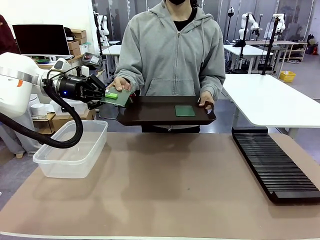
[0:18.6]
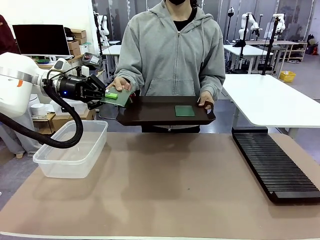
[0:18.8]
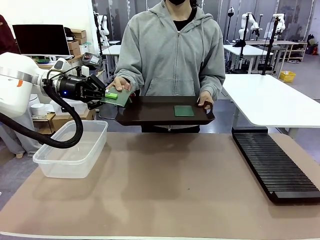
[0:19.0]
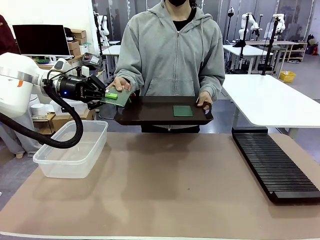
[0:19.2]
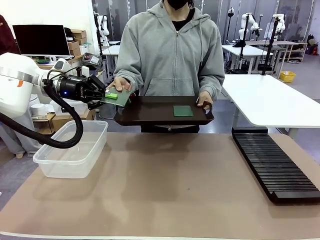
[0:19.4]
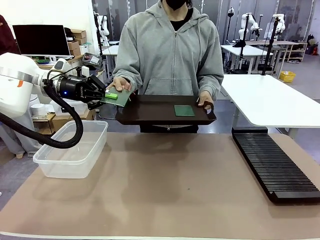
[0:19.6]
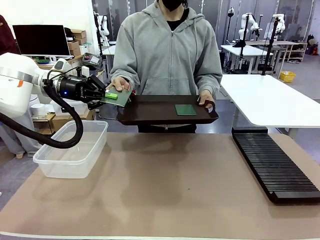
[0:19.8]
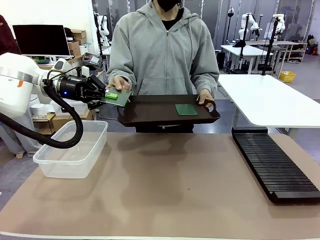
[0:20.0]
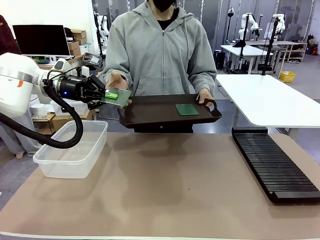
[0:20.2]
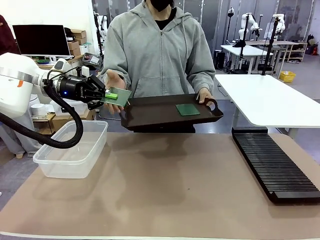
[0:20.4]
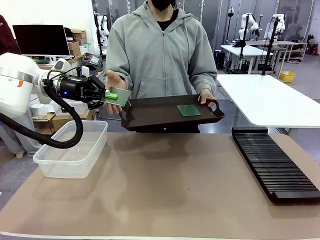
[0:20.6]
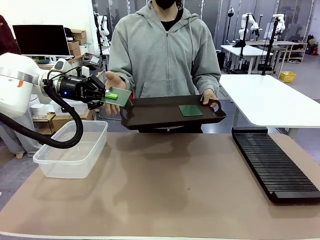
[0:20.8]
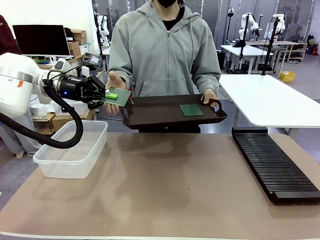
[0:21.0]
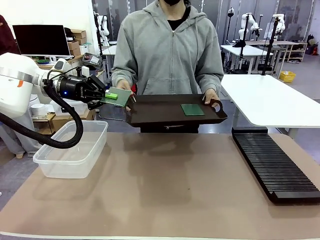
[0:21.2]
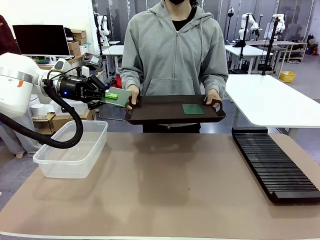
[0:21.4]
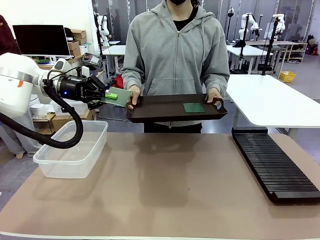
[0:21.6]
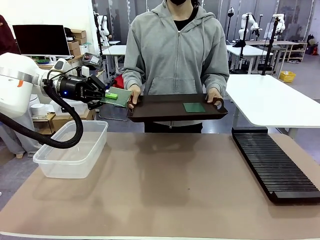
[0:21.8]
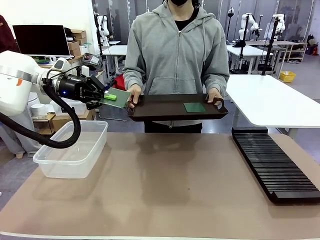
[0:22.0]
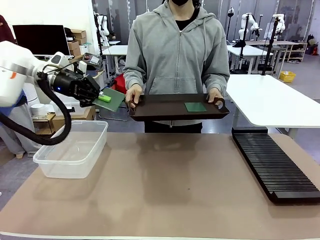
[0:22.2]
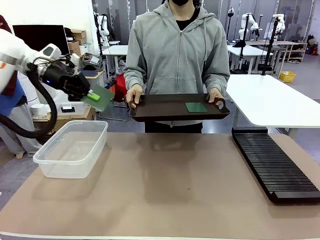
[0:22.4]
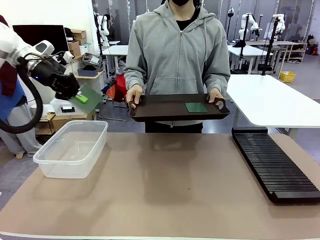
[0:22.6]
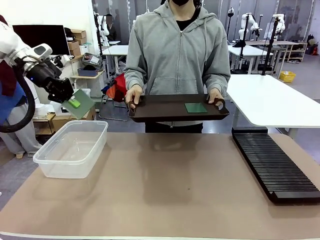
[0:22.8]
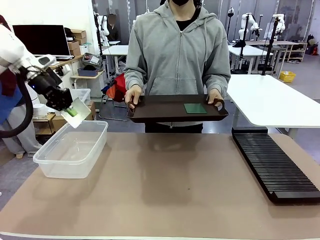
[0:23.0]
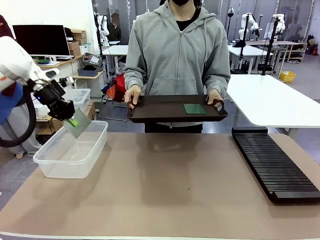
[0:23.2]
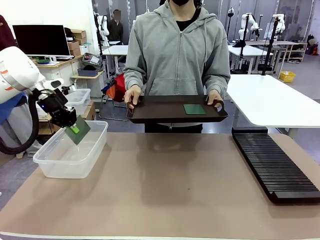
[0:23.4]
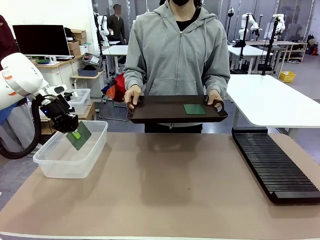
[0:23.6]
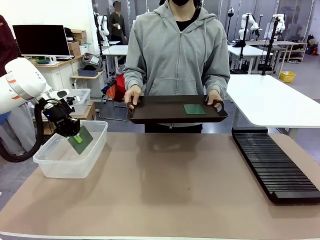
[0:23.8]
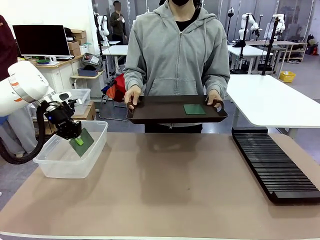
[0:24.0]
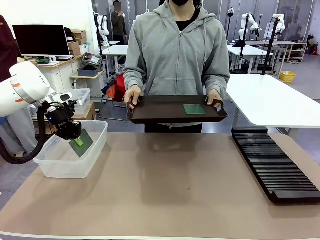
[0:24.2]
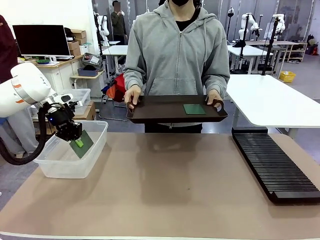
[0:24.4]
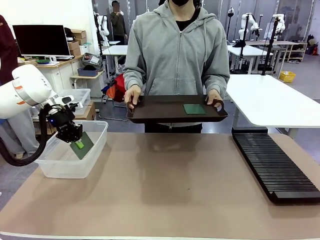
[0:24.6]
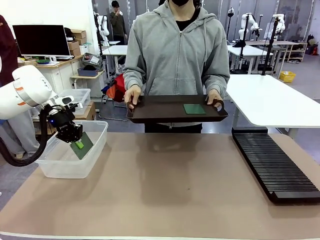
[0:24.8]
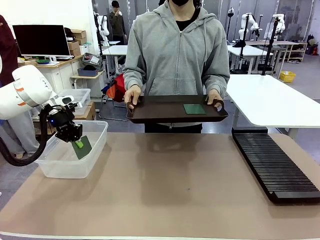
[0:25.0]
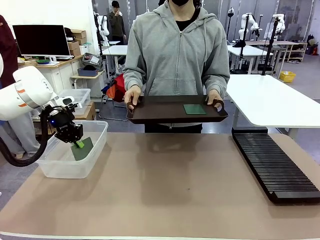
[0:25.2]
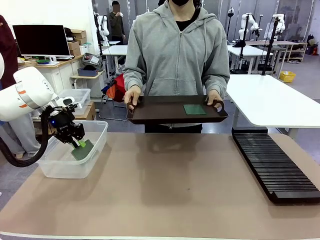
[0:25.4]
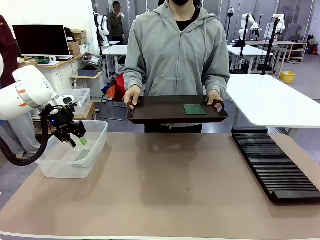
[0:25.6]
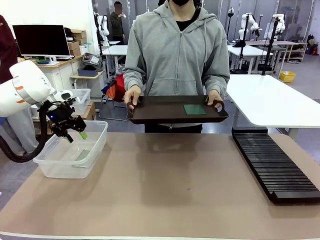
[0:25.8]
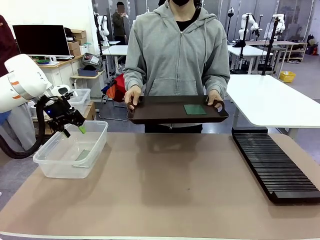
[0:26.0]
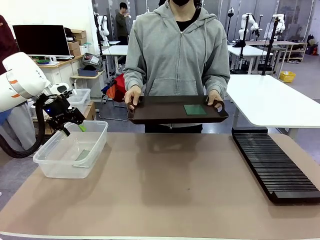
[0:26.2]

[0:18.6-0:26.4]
Task: Sort PCBs into racks and boxes based on the side picked up.
Robot: If the short side of the Blank PCB is picked up, insert it into the PCB Rack ; if the long side is picked up, place it in the Organizing box.

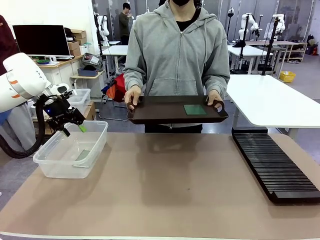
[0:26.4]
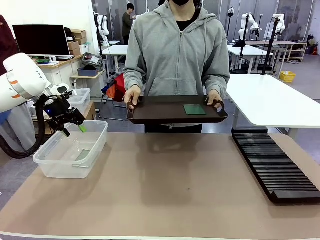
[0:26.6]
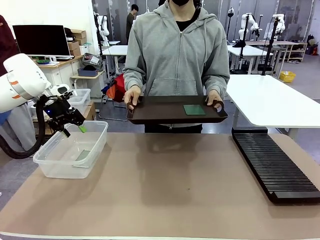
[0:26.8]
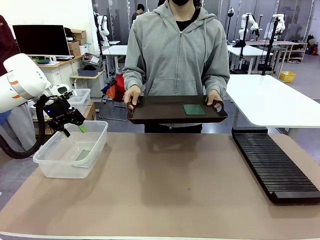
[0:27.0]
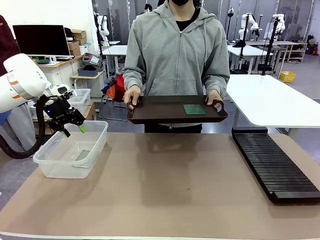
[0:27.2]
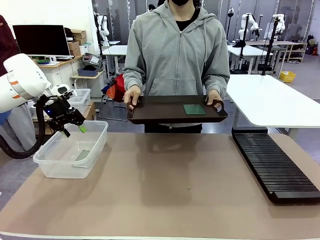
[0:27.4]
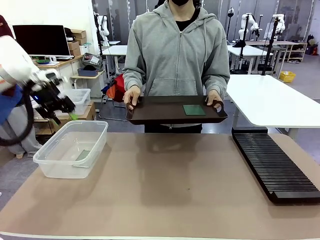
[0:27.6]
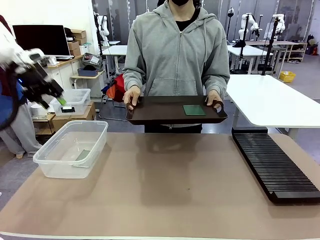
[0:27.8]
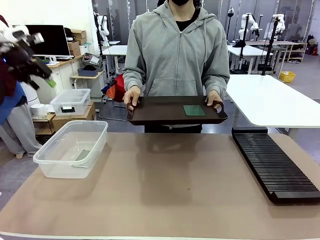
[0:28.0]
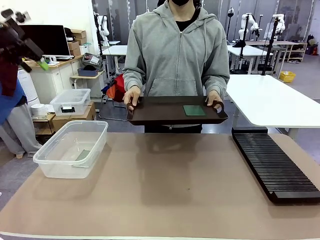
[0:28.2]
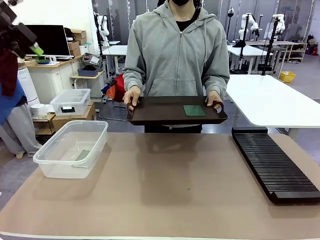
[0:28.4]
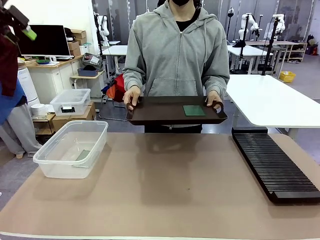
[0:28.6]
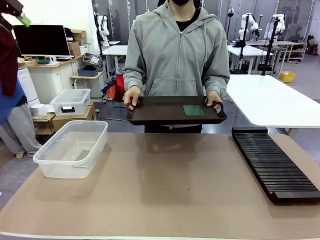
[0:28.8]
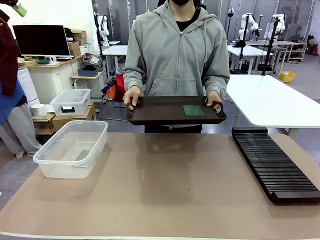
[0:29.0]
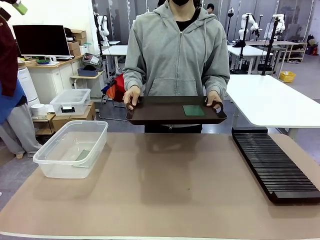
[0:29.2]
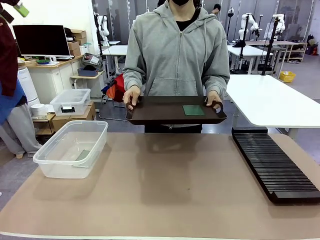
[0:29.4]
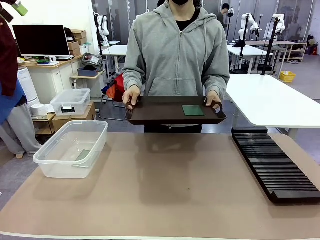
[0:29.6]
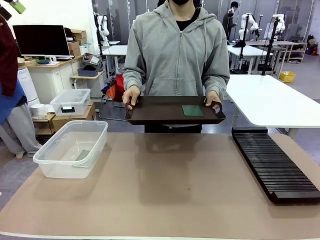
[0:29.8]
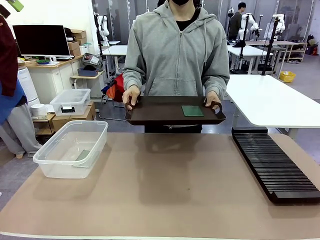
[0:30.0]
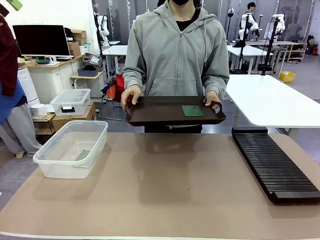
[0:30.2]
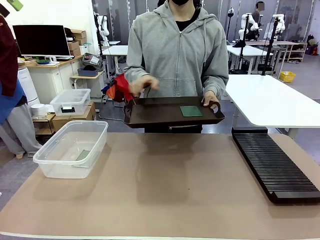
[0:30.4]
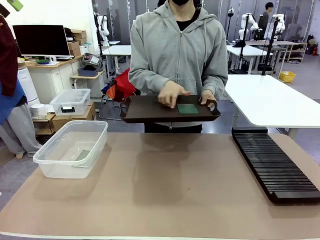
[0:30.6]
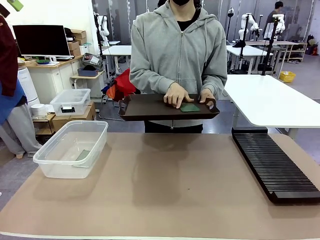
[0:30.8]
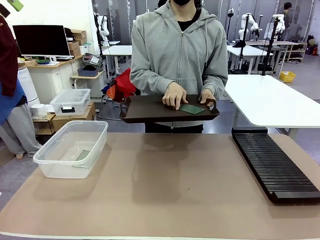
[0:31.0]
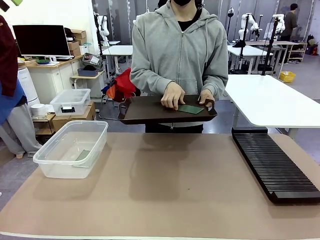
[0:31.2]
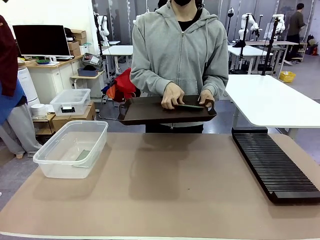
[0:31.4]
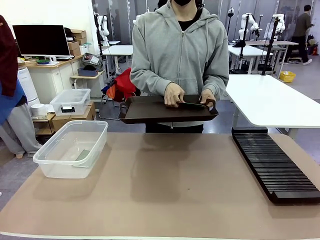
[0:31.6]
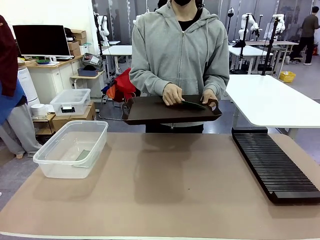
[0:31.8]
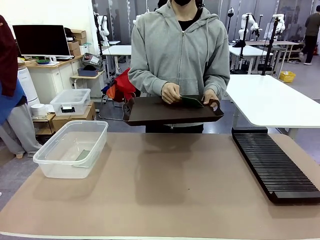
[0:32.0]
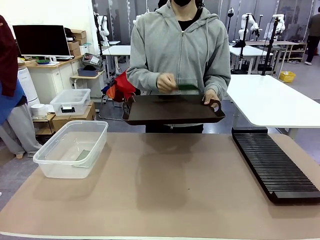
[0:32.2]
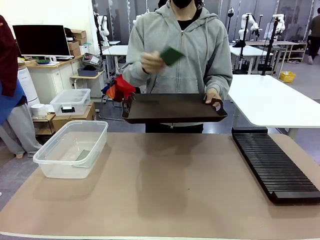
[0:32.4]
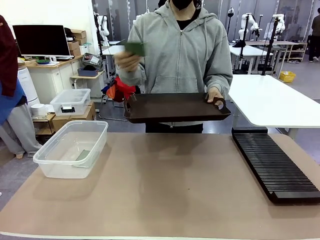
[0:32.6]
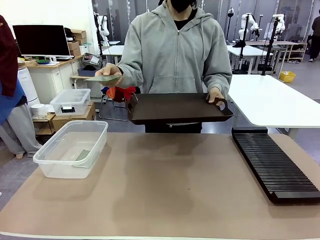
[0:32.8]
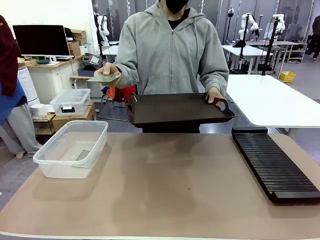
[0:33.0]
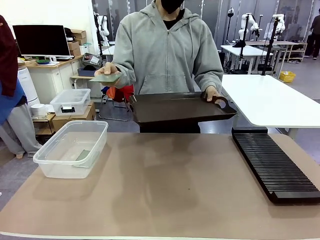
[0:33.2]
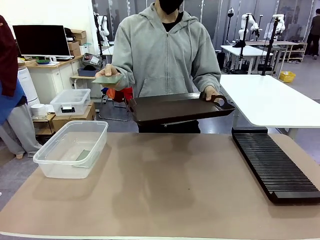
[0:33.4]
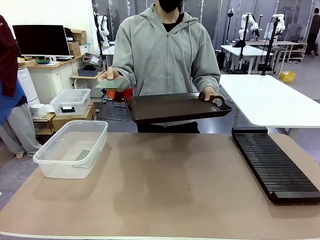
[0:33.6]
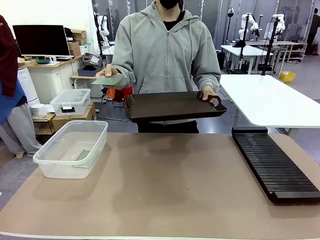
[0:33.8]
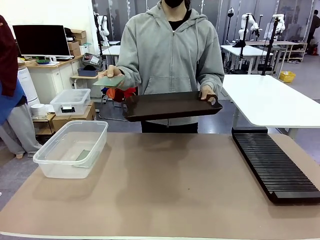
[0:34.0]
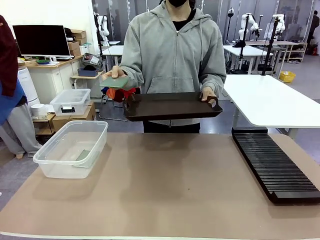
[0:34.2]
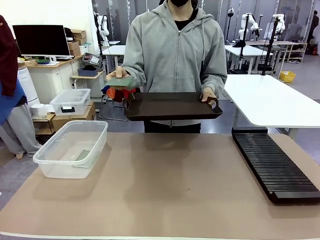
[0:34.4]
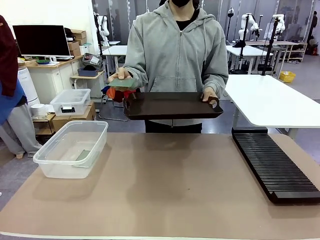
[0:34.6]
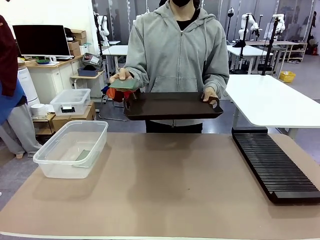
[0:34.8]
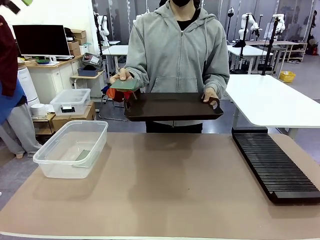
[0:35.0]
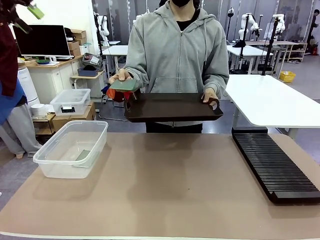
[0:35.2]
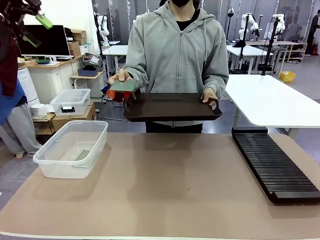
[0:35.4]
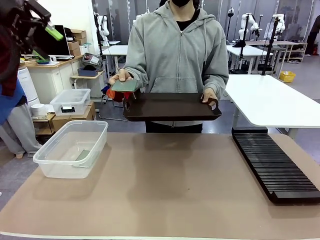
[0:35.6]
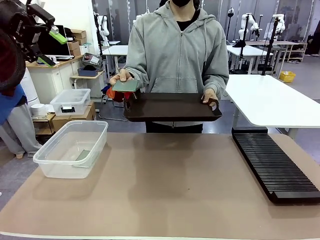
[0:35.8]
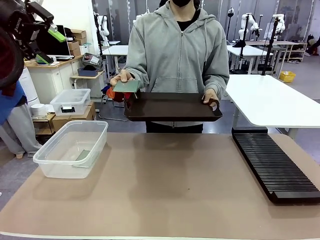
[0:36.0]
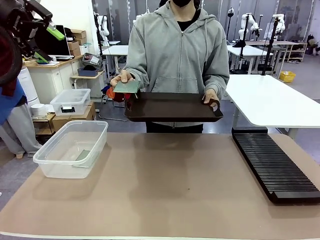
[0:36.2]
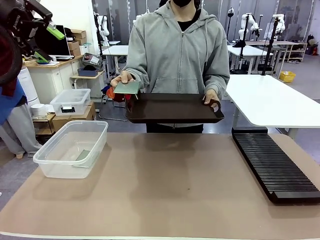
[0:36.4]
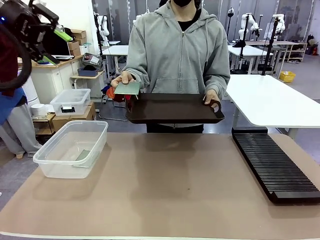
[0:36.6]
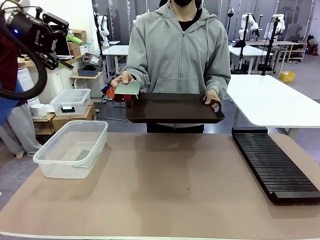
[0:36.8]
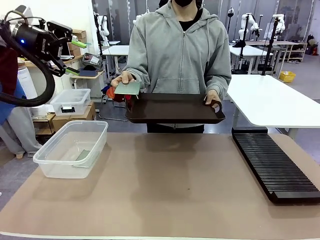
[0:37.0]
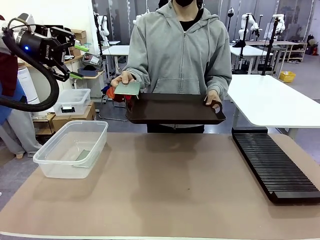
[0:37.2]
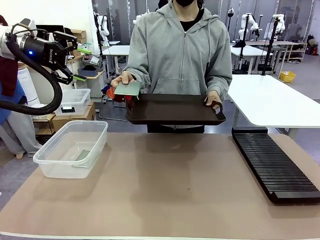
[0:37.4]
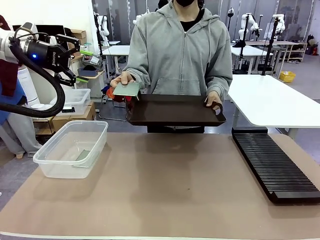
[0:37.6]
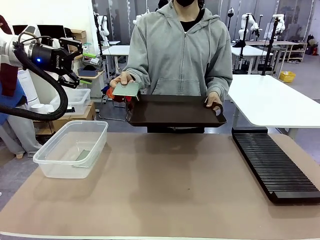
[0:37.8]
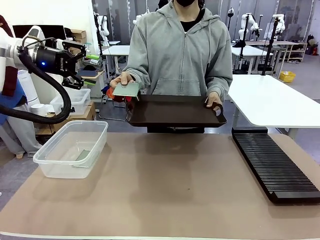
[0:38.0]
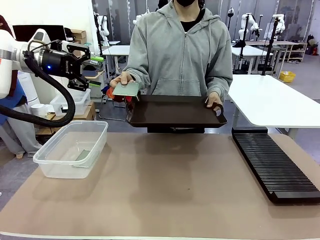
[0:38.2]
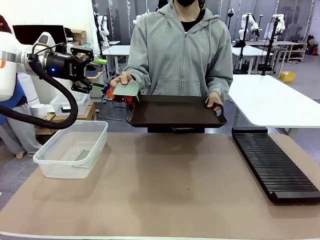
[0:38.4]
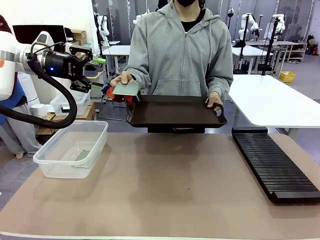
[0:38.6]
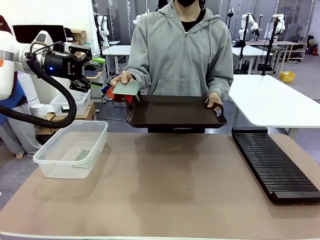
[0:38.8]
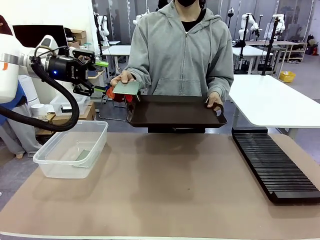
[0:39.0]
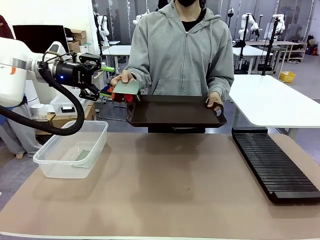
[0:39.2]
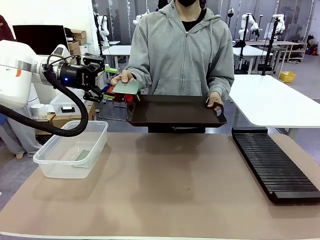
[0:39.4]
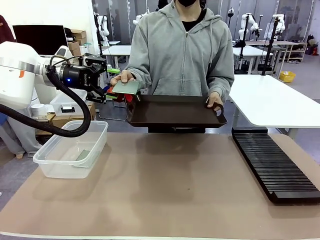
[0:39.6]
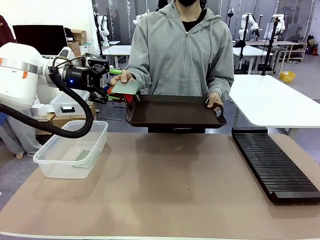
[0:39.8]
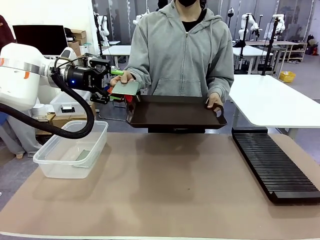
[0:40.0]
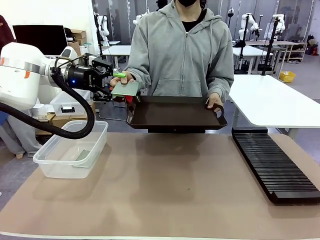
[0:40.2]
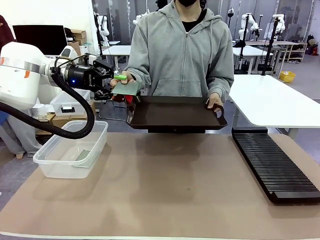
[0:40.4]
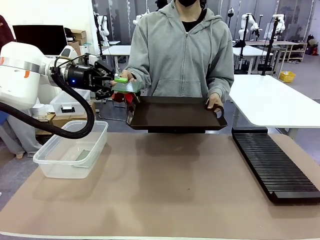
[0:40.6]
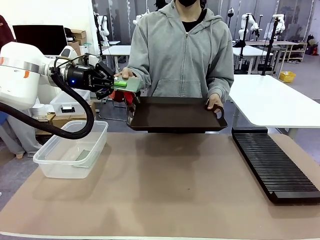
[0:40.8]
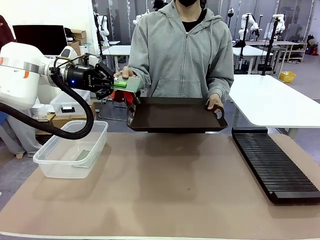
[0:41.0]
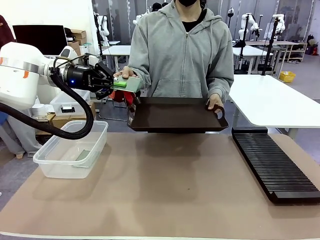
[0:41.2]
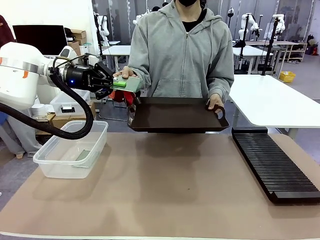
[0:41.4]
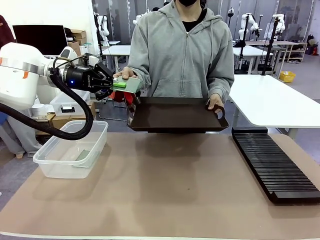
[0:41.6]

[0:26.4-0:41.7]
Robot: Pick up the Blank PCB handed by the Human.
Person: Pick one PCB from the tray and present it to the robot.
